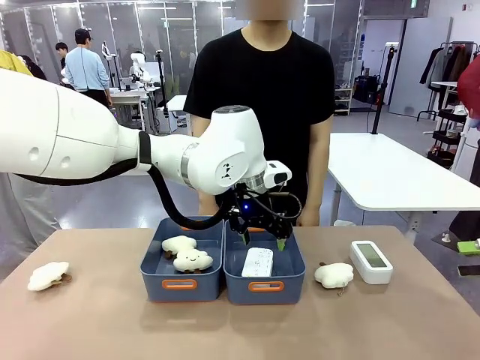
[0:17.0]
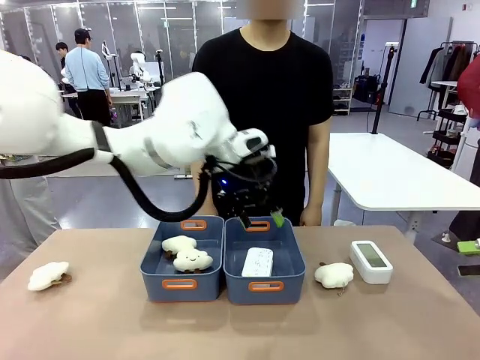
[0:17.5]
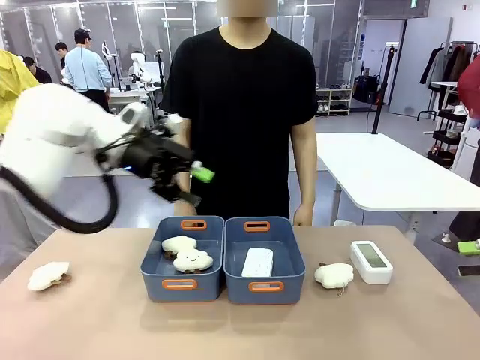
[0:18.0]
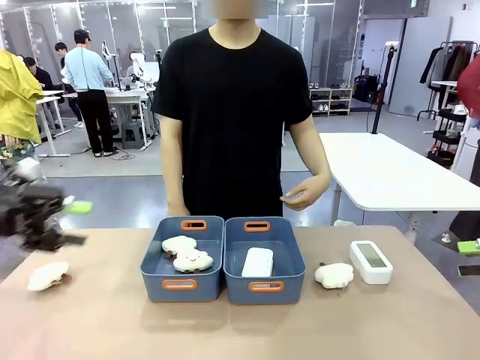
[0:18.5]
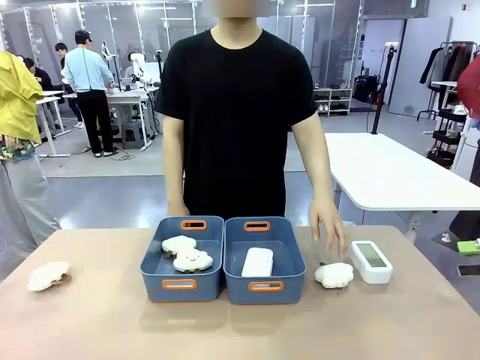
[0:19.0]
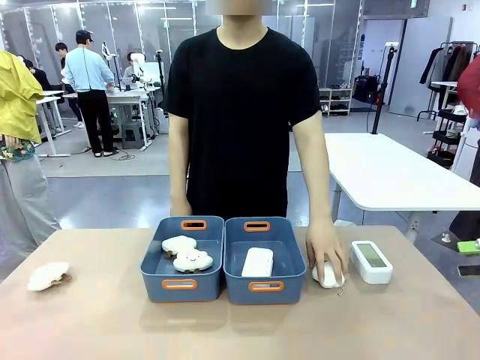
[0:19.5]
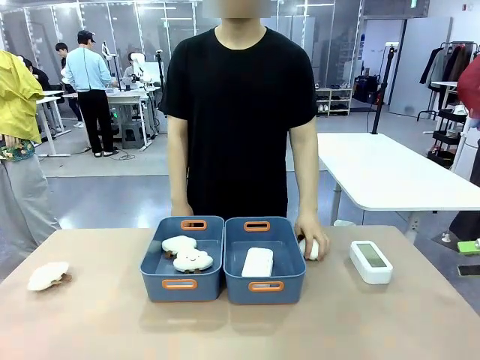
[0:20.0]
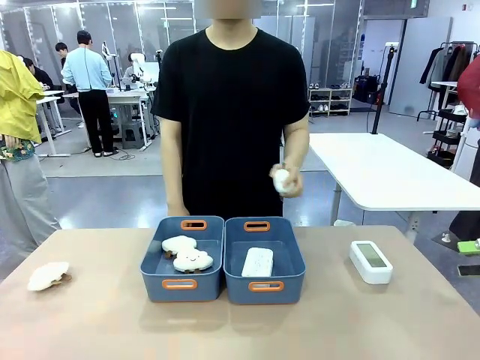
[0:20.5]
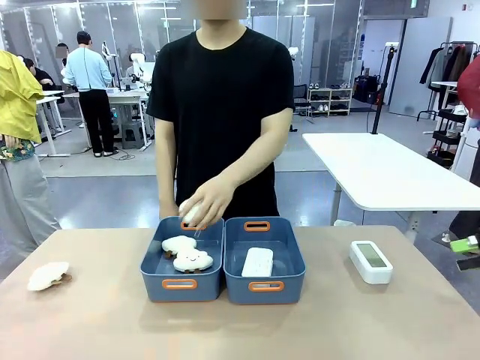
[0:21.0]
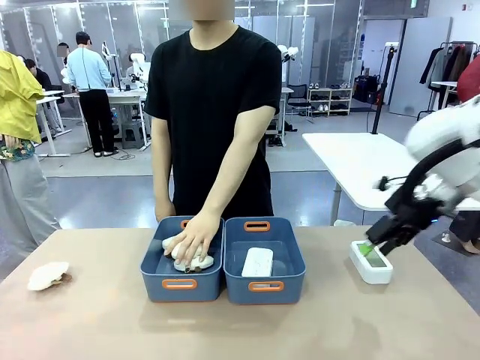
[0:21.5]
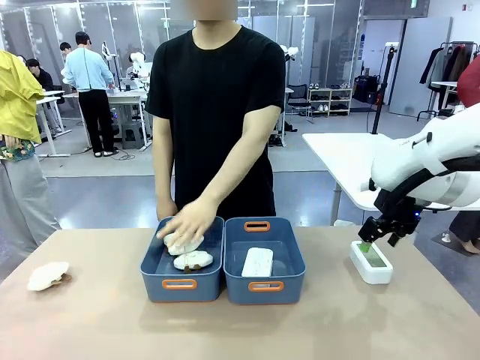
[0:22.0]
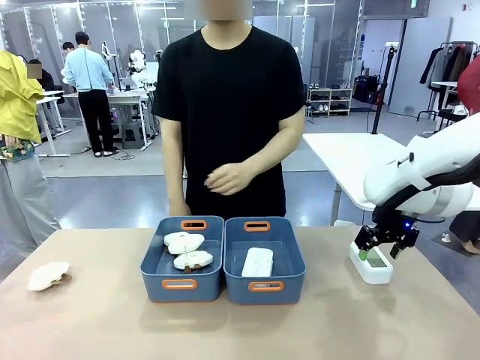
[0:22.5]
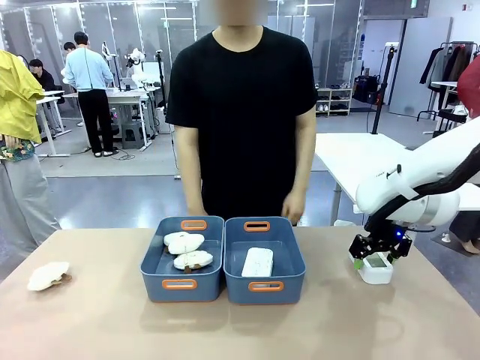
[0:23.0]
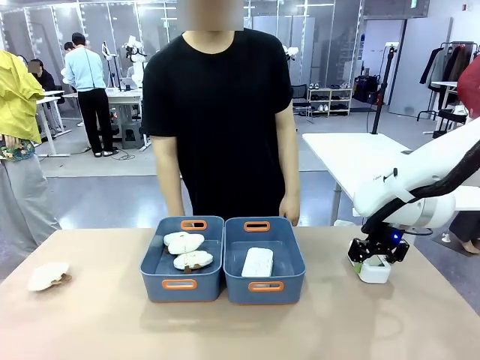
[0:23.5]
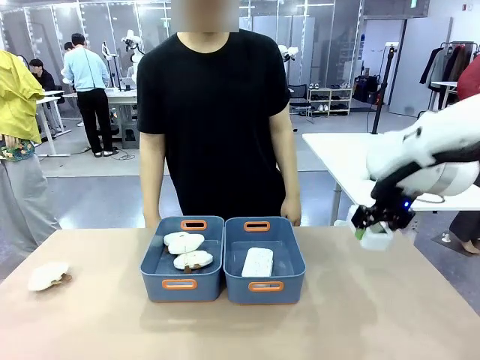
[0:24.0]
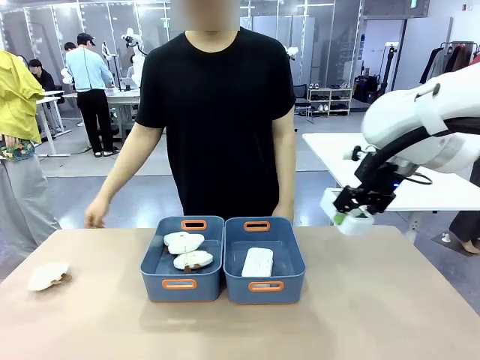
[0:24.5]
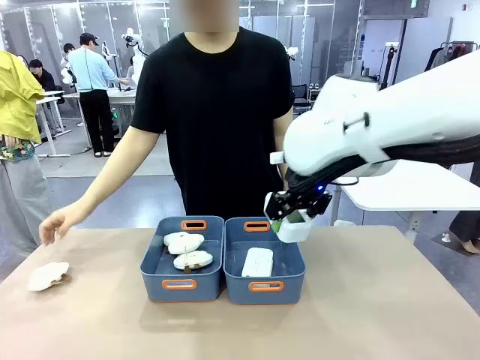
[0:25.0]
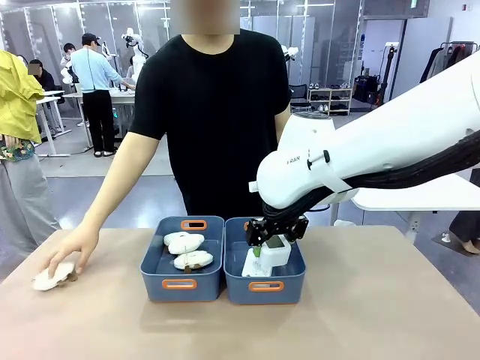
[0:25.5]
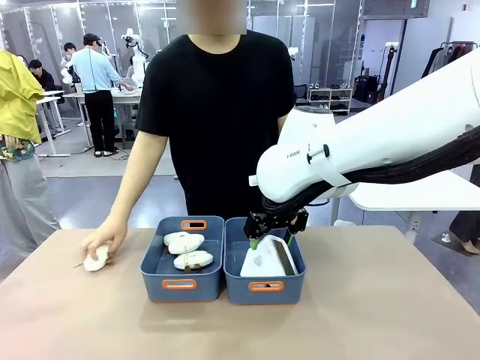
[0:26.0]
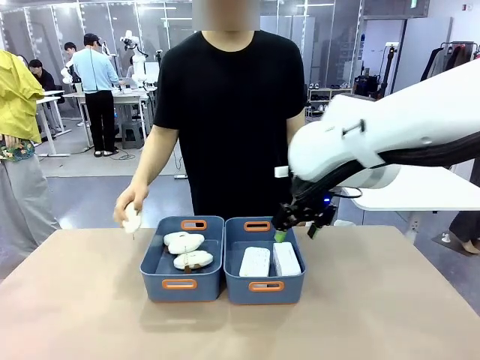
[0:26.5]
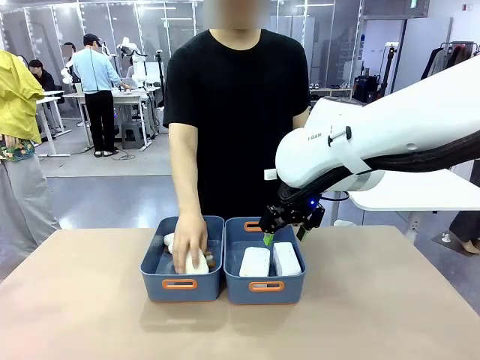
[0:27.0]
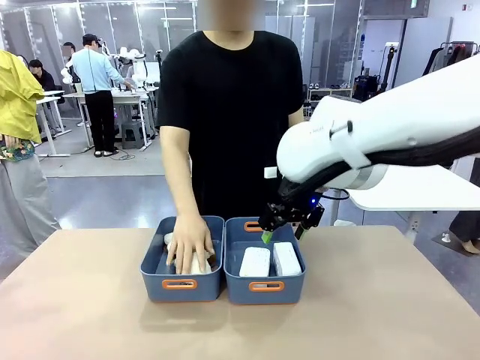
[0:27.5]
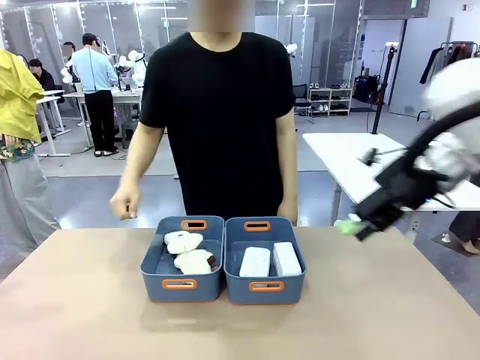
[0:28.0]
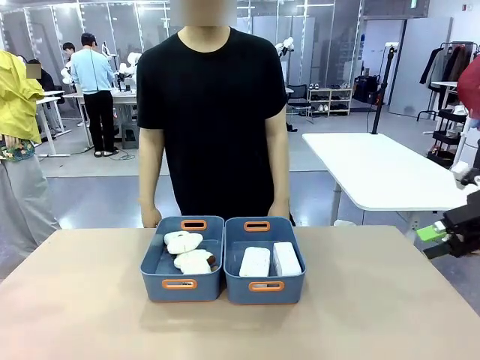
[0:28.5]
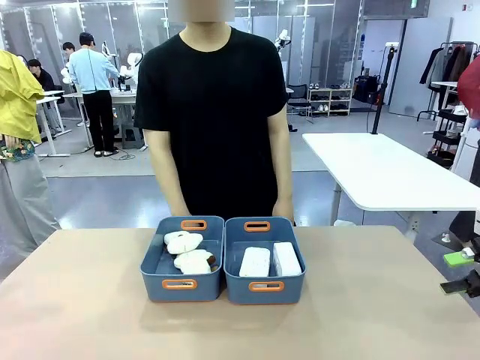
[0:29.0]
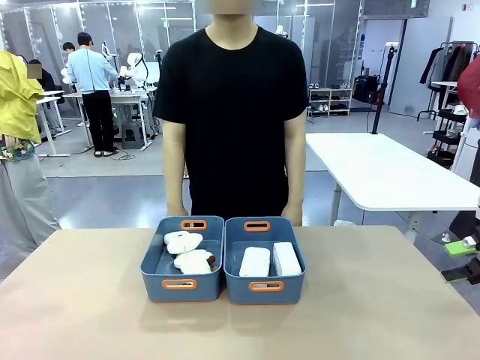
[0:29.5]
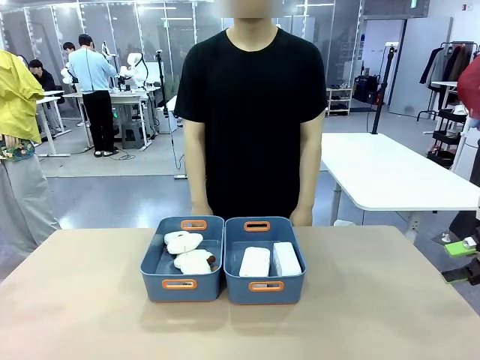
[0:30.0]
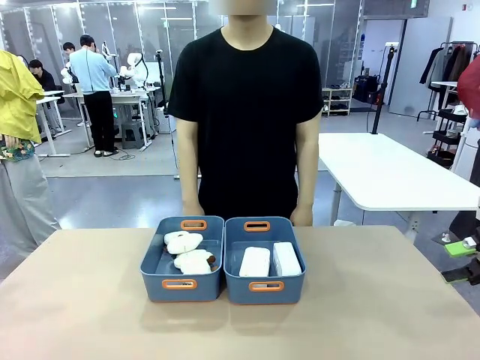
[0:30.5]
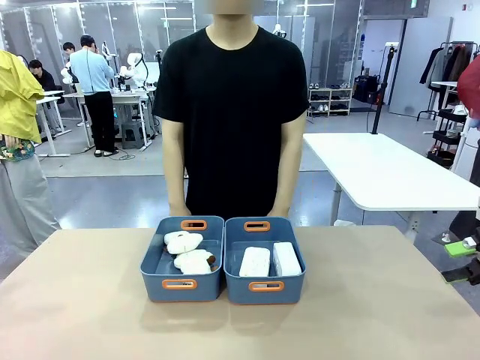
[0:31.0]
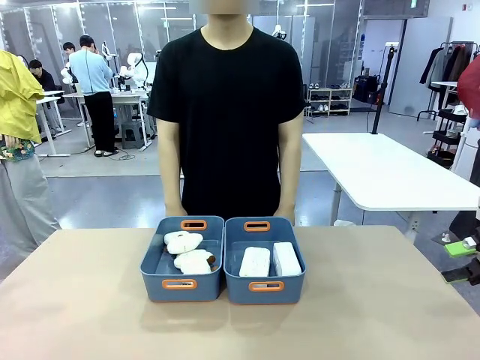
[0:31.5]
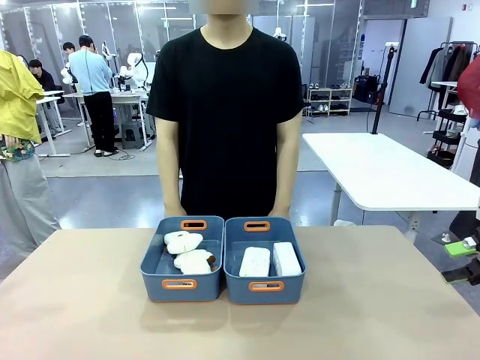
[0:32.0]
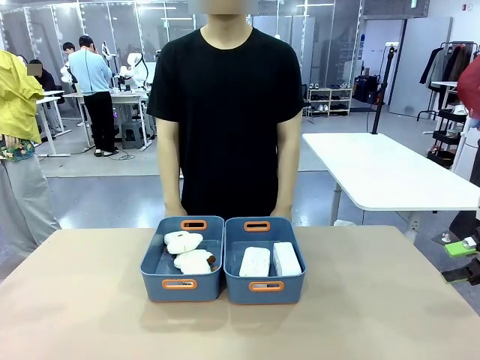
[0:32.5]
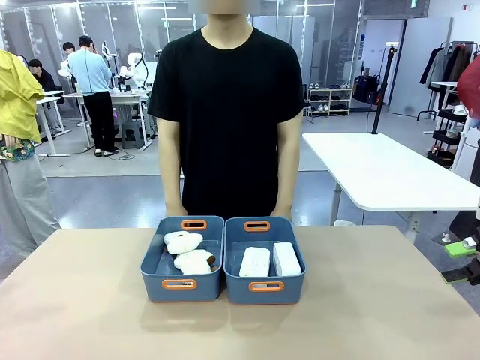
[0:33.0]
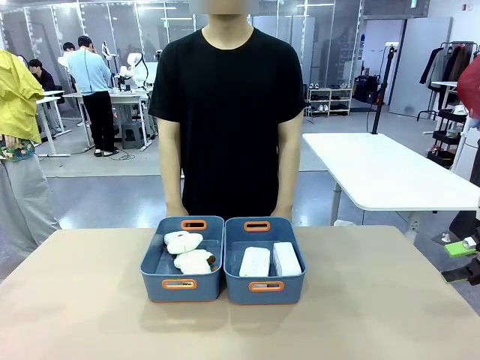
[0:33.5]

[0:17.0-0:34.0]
Task: Sort the digital clocks into the basket.
Robot: Pick up the Digital clock from the table and place it into the empty Plastic storage basket.
Person: Pick up a plush toy from the table and place it in the plastic storage basket containing the plush toy.

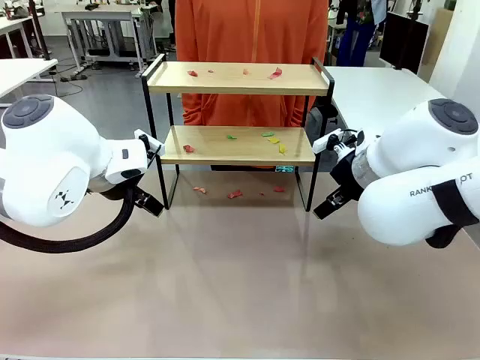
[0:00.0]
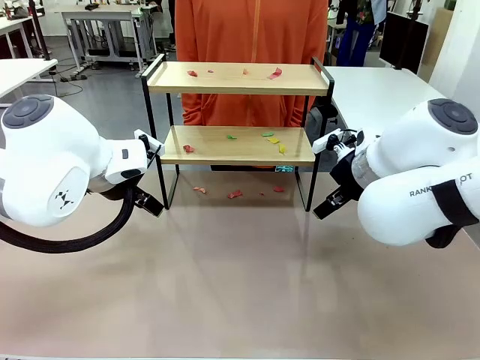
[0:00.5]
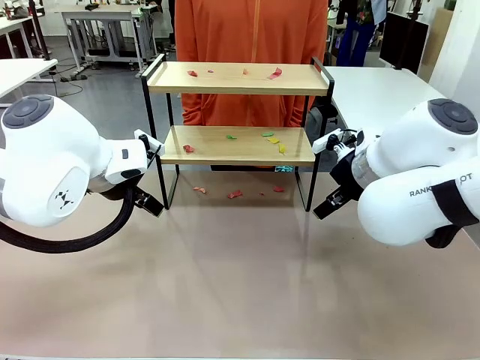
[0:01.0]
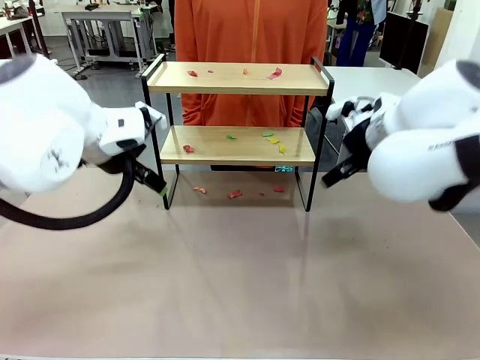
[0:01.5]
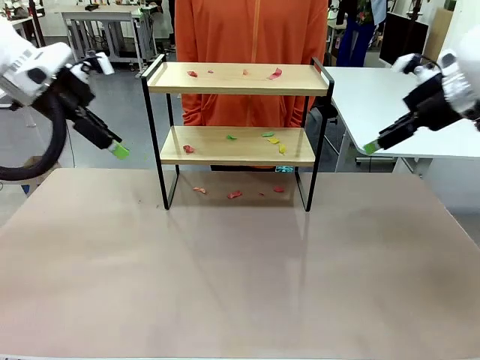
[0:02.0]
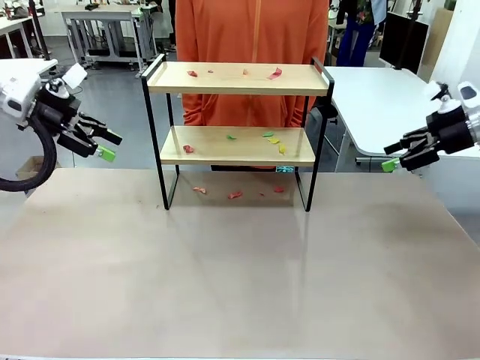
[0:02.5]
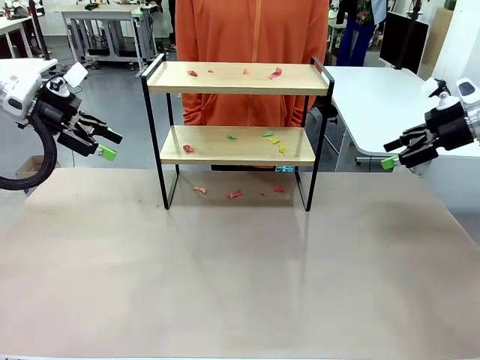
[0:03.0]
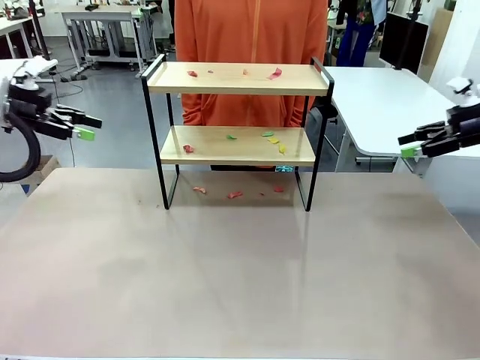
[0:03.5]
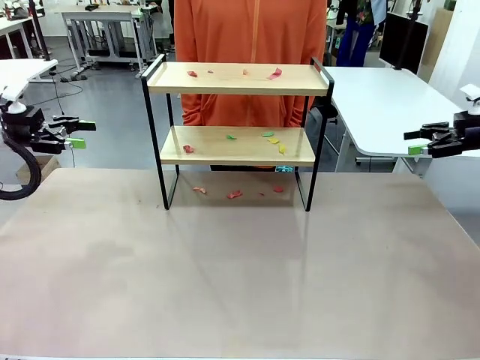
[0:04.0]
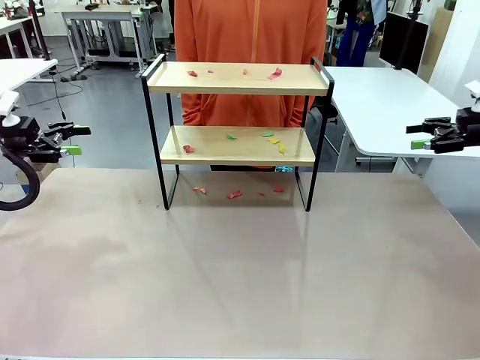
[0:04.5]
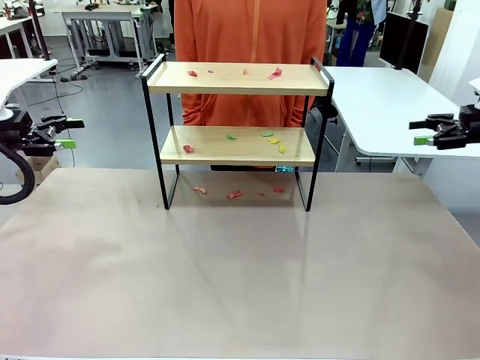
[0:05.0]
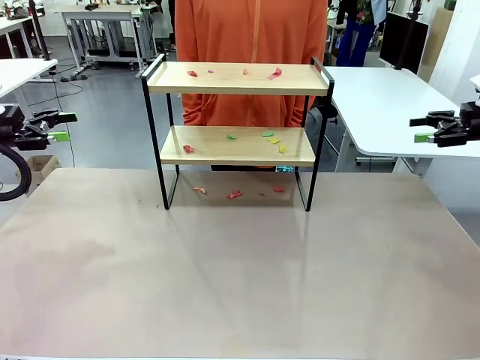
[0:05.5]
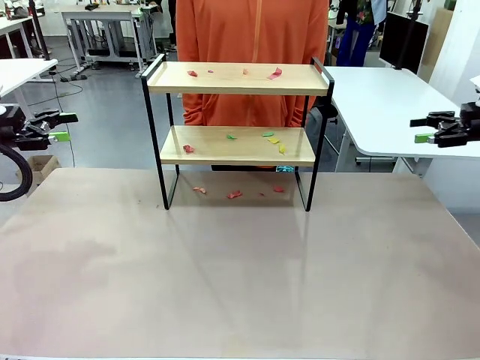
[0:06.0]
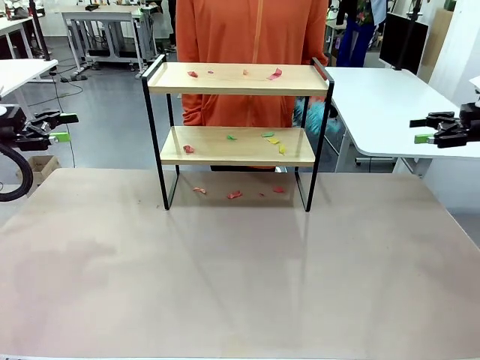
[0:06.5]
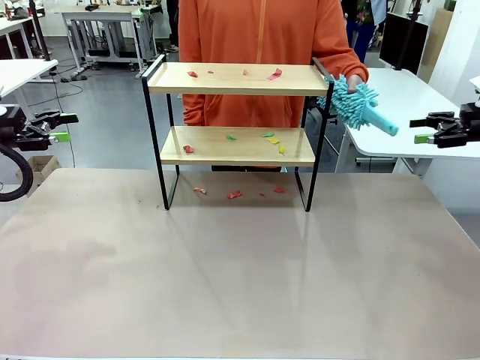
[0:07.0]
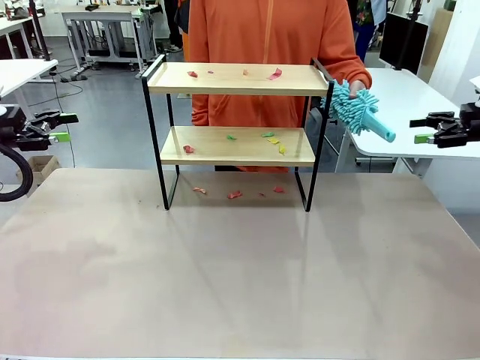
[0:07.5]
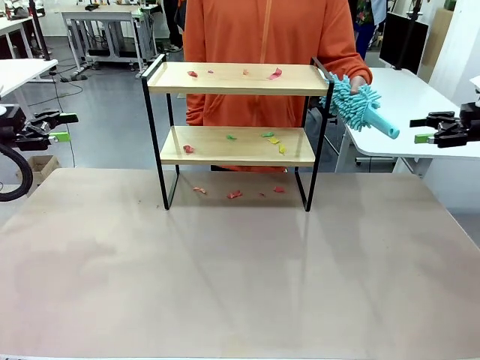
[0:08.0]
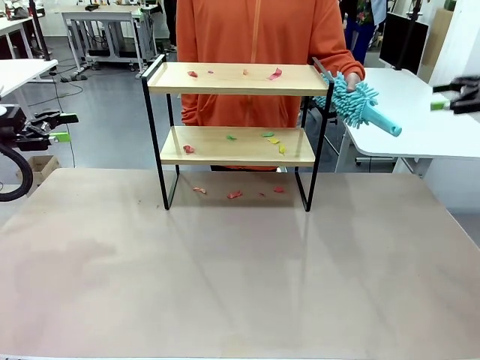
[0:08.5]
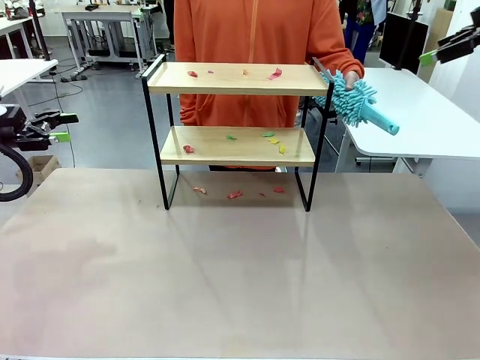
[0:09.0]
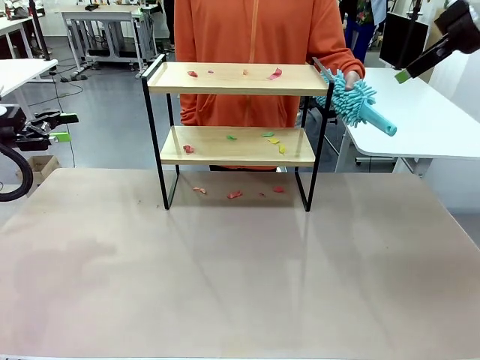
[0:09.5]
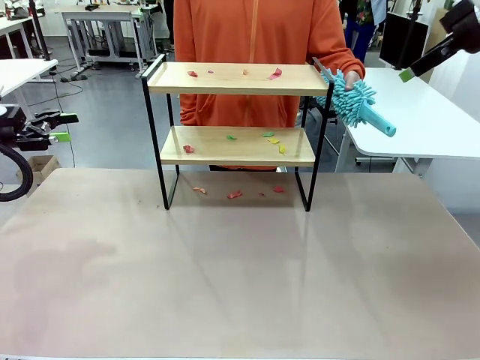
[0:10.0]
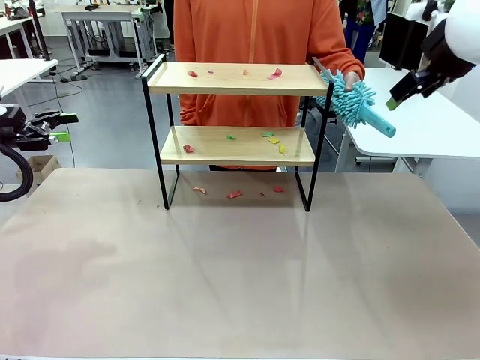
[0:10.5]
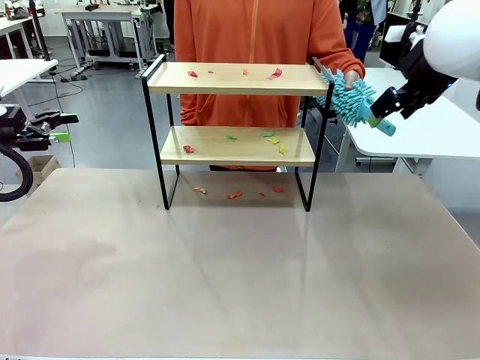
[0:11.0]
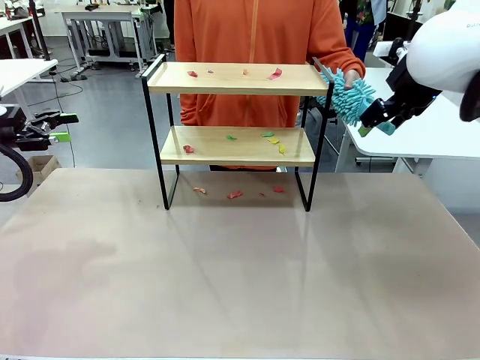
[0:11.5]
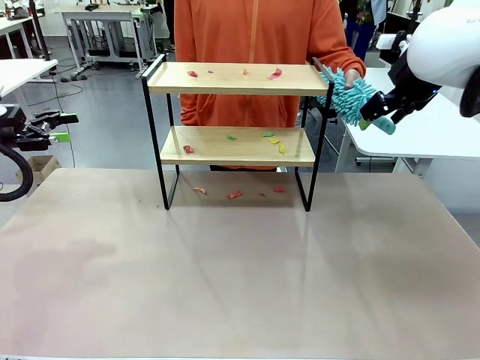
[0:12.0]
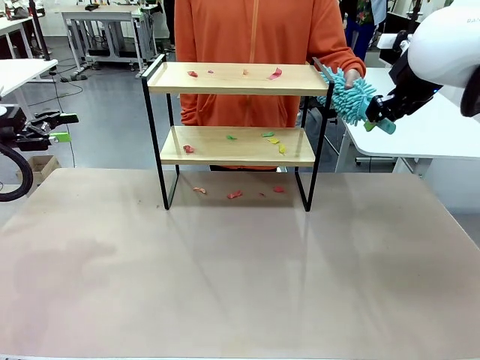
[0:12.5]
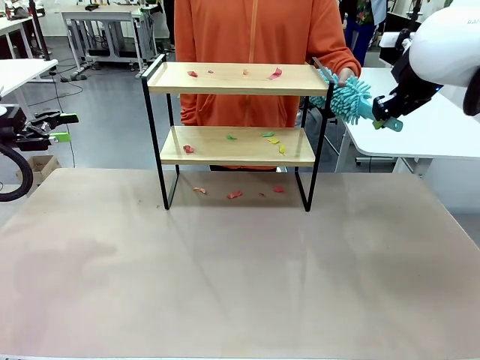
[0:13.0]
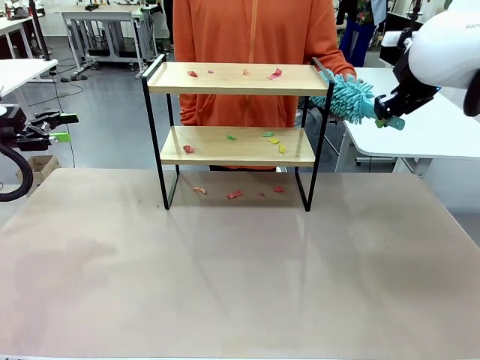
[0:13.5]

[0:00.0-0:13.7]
Task: Clean the shelf.
Robot: Pick up the Duster handed by the human.
Person: Hand the Duster to the robot.
